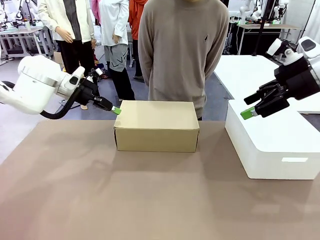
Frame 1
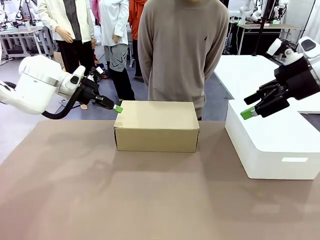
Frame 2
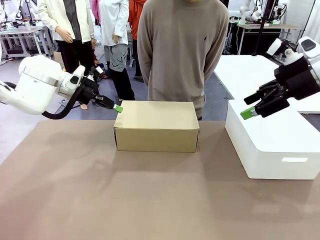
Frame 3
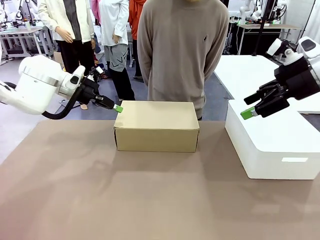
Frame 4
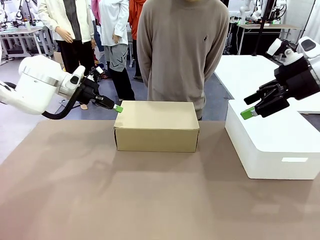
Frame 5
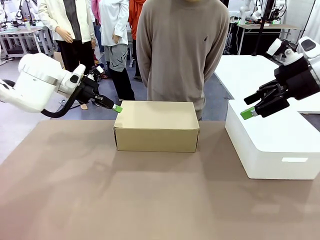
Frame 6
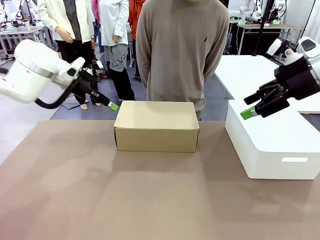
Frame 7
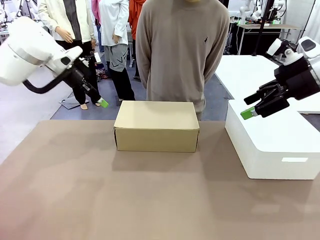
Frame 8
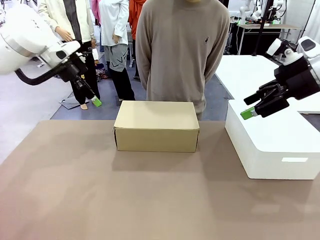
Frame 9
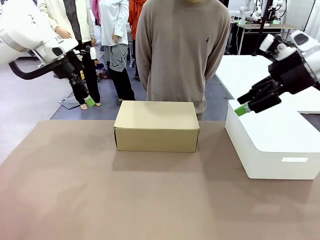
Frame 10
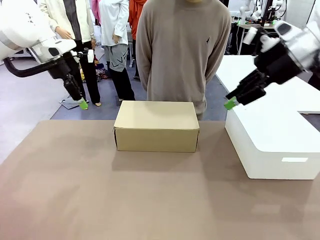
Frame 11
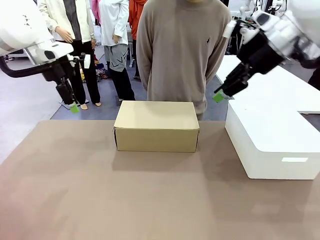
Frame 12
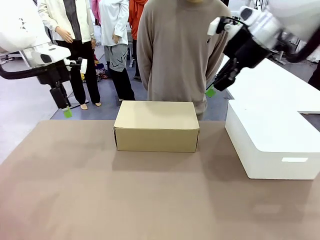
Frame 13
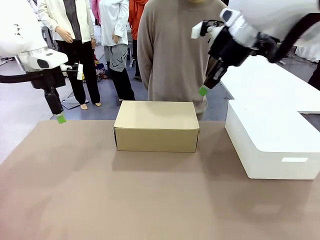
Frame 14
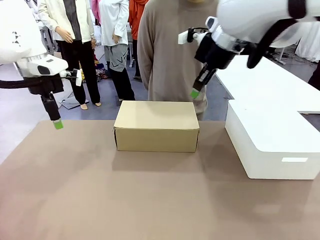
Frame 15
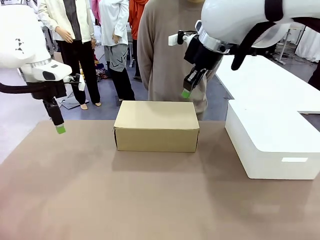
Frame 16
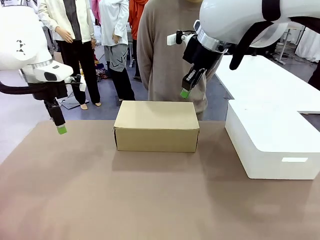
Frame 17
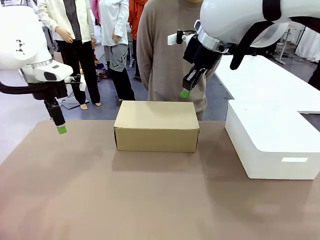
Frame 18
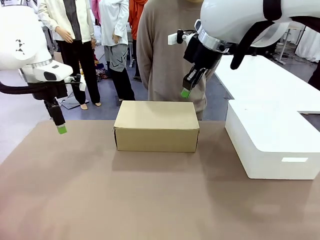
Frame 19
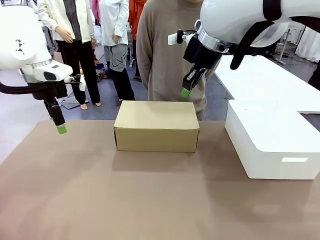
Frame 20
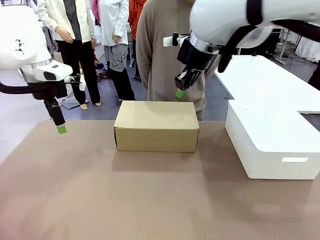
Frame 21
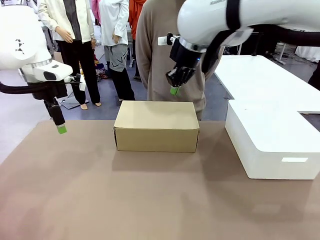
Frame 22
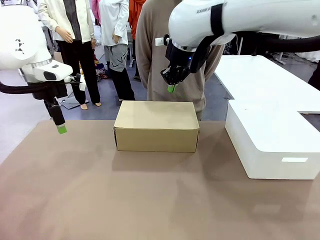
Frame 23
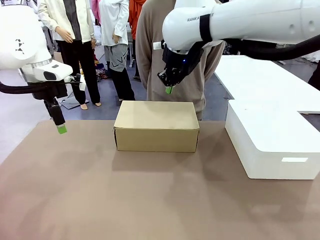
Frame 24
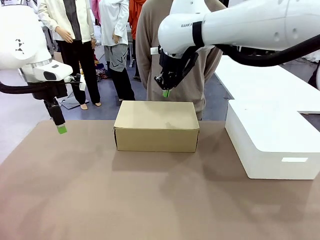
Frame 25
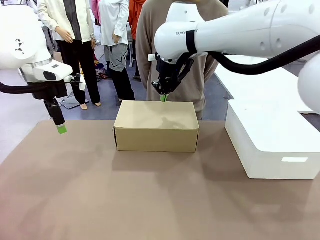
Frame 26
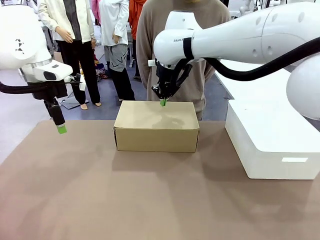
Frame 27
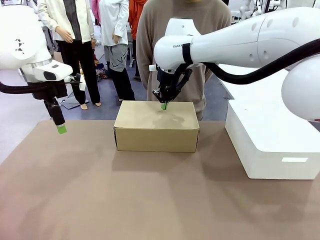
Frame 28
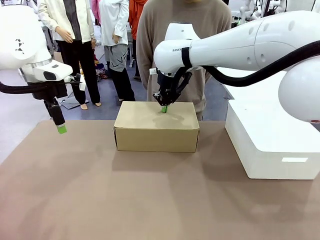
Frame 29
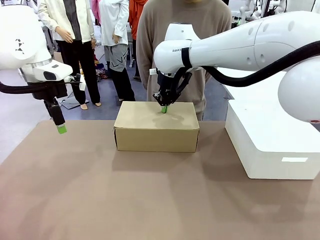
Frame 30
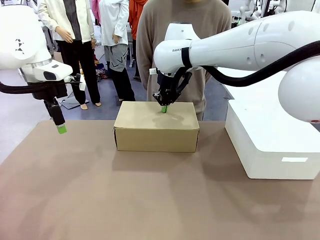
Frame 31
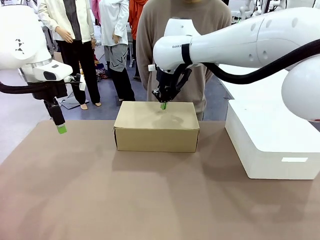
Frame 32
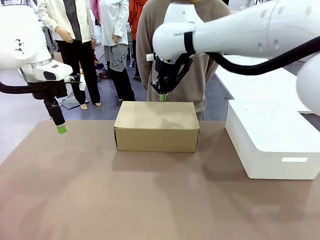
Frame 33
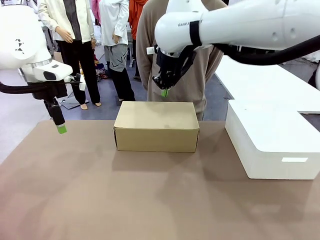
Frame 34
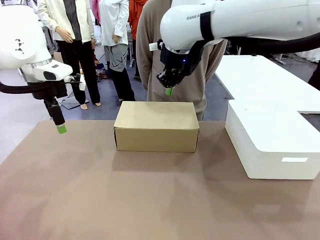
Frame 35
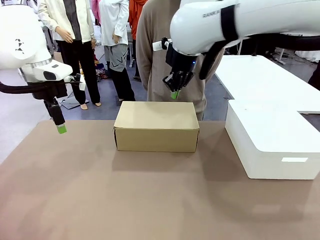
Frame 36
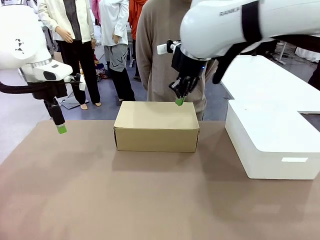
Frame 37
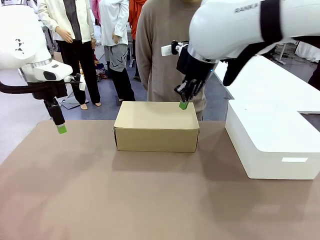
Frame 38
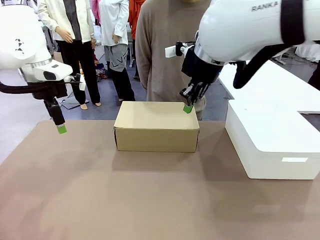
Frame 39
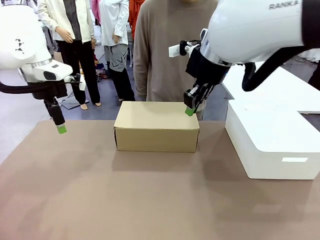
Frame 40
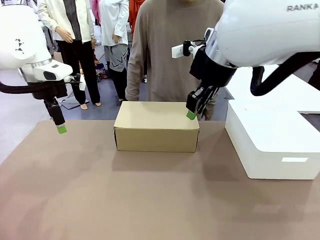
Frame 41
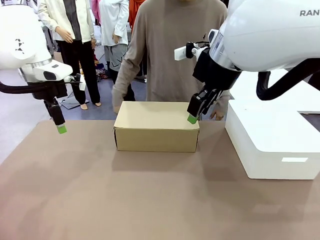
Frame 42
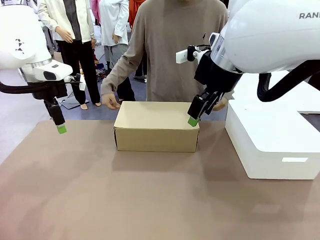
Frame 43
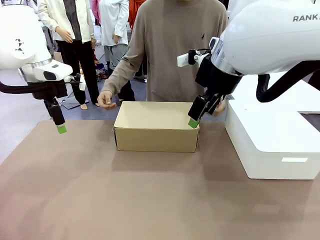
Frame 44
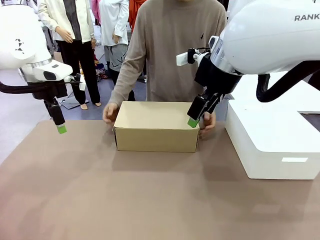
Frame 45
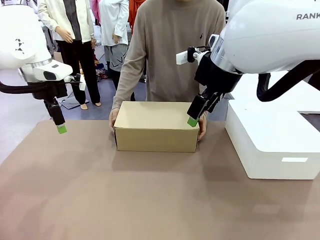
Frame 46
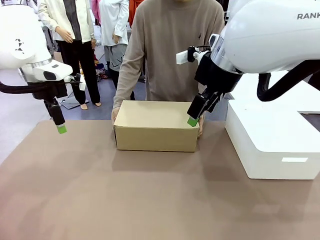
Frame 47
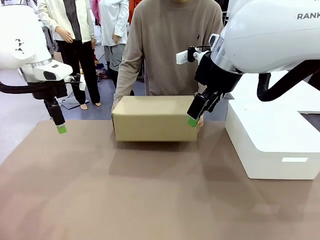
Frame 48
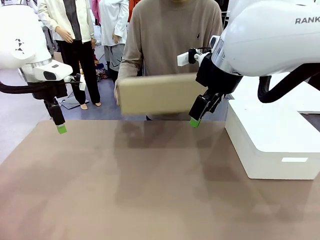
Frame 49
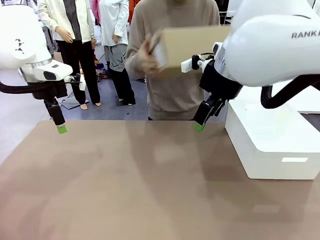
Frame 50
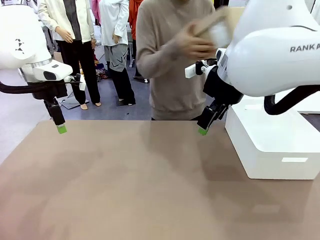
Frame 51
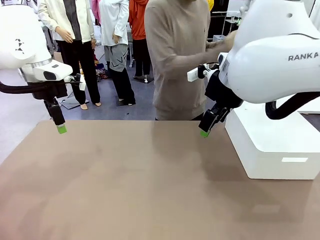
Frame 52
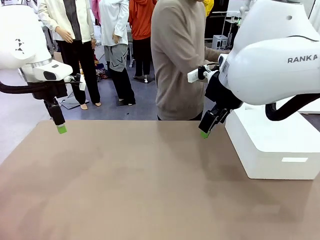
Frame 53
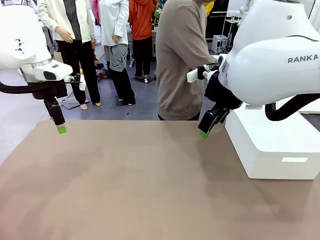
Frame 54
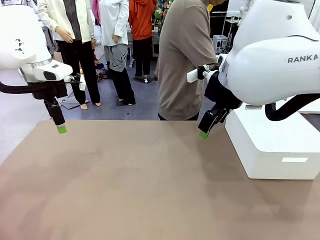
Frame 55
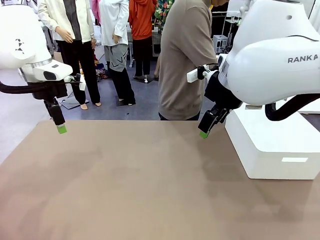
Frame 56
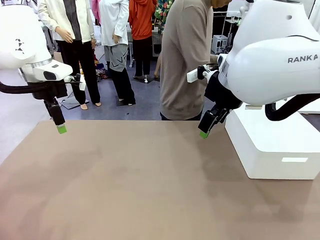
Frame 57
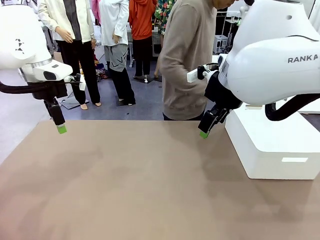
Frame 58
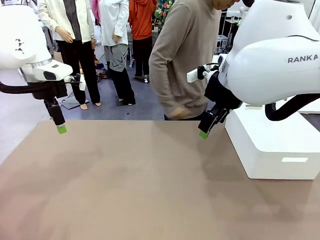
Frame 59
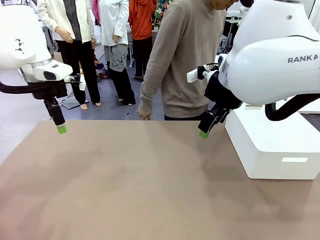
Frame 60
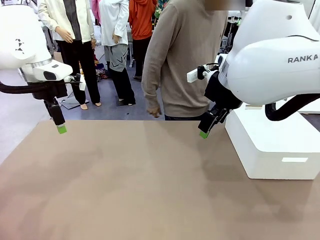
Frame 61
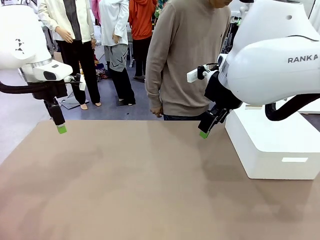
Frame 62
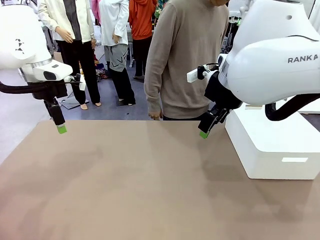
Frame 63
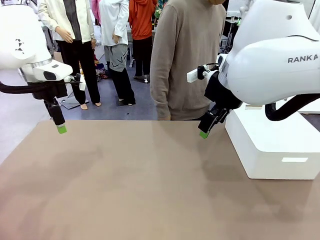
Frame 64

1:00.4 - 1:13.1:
Task: Pack the shoes into the box.
Robot: Press down on the lid of the Shoes Box.
Person: Place the closed Shoes Box to the right side of the human table.
